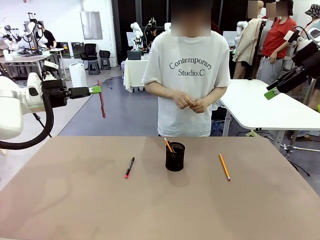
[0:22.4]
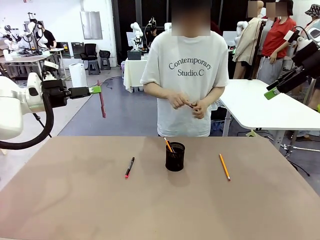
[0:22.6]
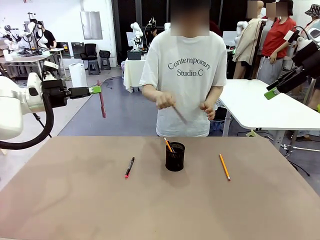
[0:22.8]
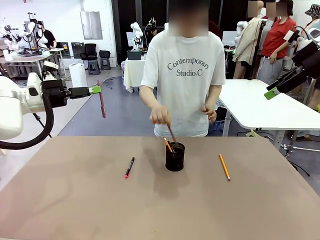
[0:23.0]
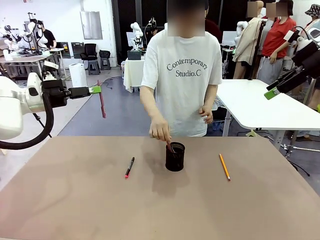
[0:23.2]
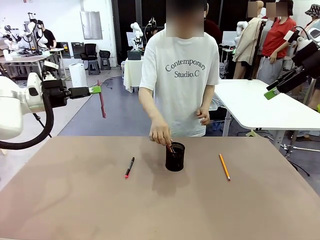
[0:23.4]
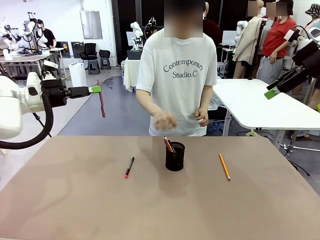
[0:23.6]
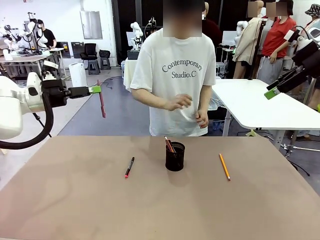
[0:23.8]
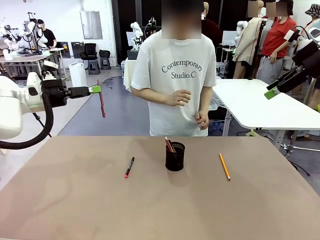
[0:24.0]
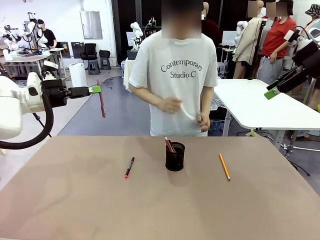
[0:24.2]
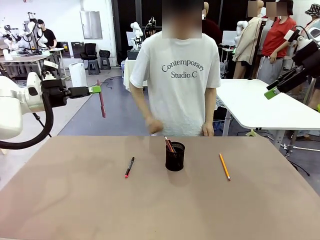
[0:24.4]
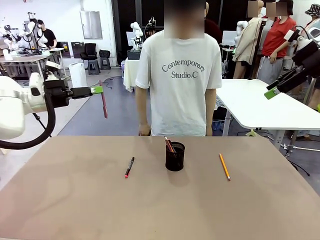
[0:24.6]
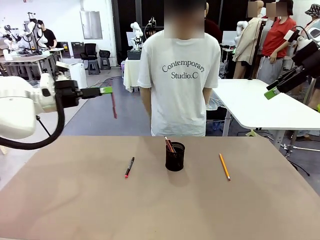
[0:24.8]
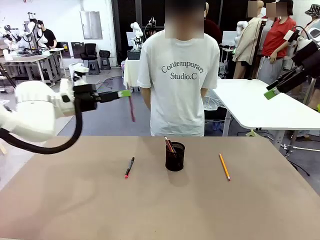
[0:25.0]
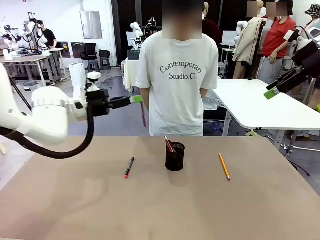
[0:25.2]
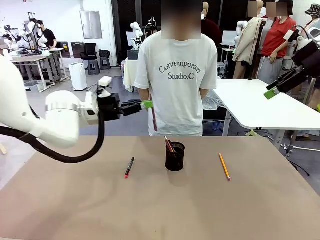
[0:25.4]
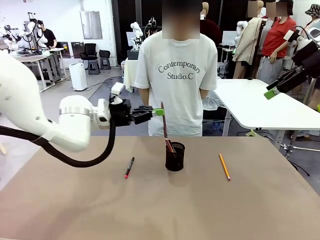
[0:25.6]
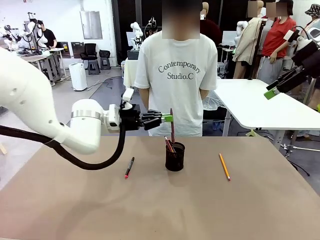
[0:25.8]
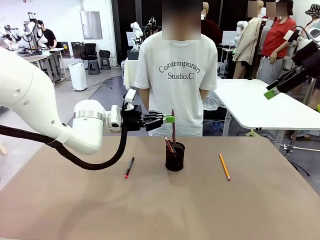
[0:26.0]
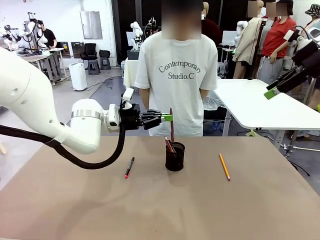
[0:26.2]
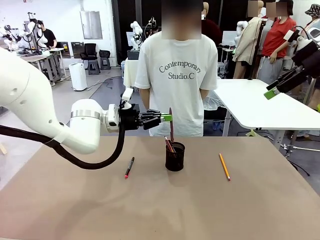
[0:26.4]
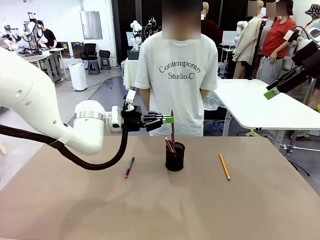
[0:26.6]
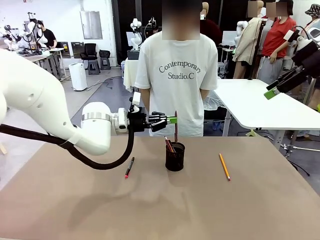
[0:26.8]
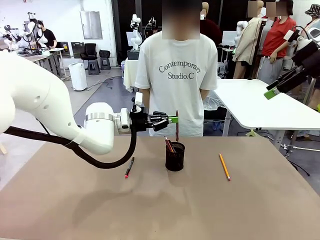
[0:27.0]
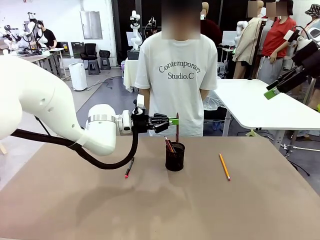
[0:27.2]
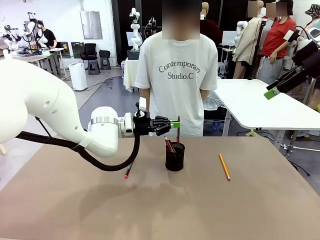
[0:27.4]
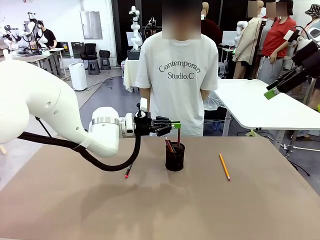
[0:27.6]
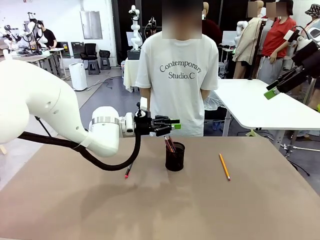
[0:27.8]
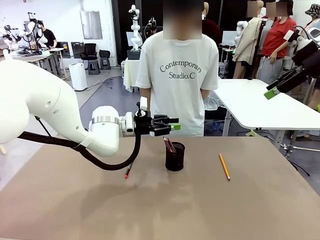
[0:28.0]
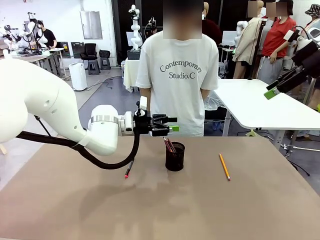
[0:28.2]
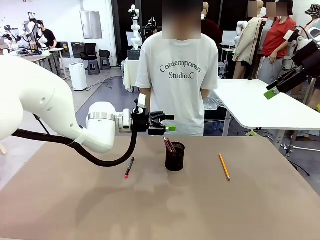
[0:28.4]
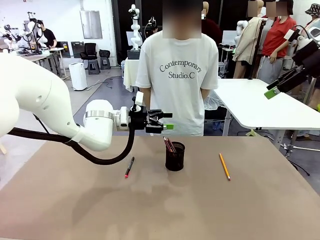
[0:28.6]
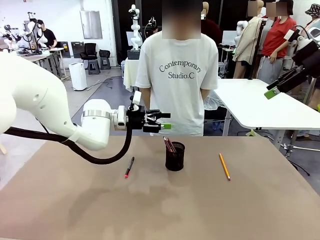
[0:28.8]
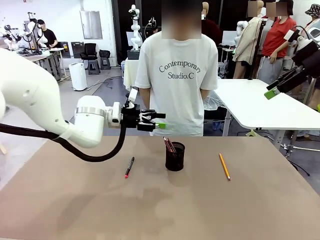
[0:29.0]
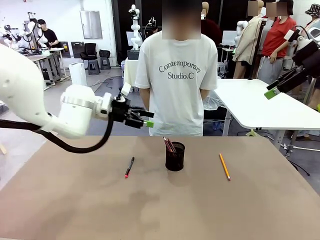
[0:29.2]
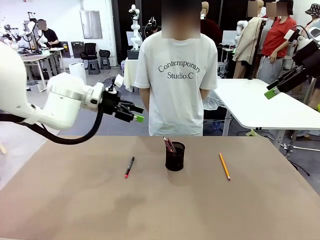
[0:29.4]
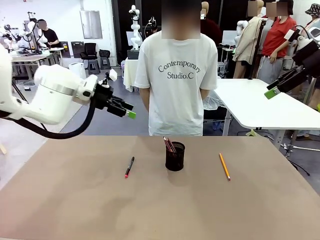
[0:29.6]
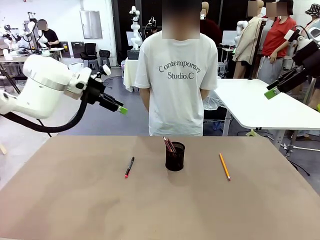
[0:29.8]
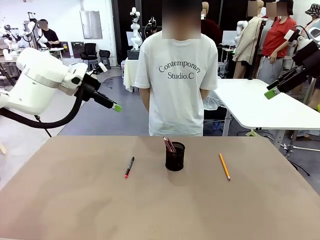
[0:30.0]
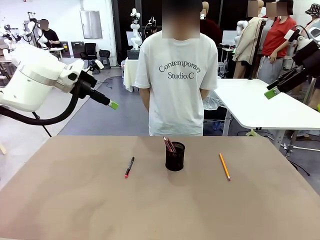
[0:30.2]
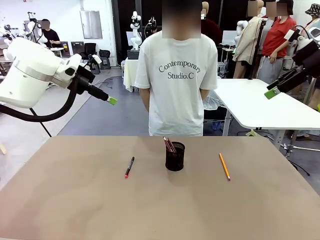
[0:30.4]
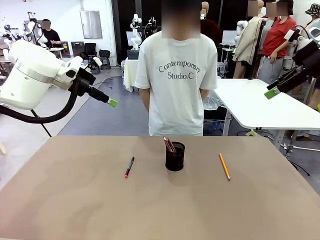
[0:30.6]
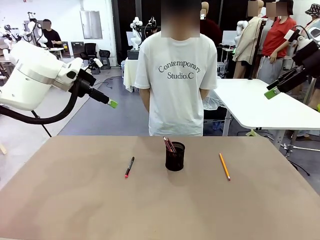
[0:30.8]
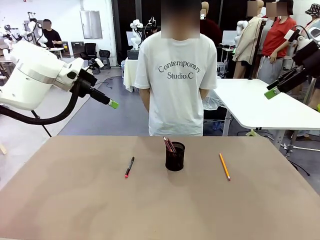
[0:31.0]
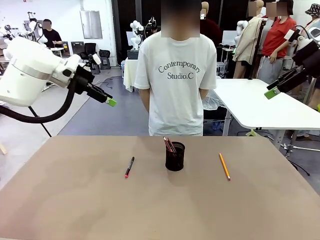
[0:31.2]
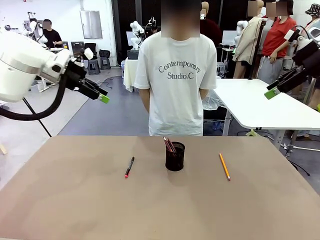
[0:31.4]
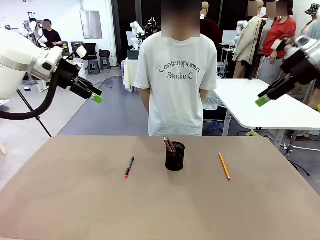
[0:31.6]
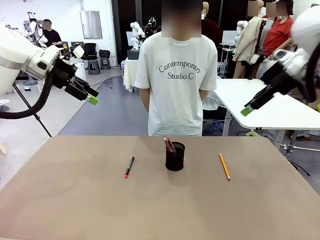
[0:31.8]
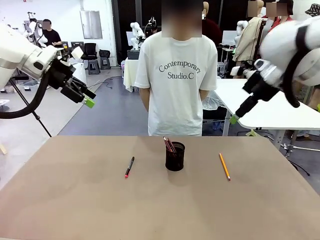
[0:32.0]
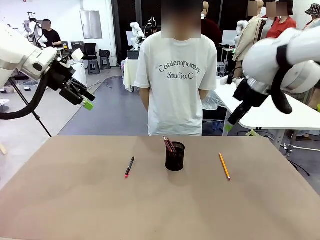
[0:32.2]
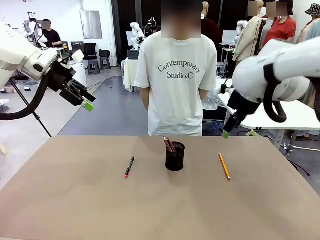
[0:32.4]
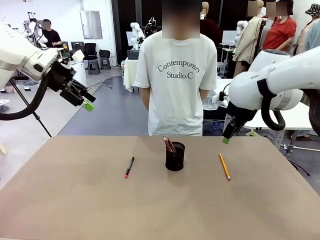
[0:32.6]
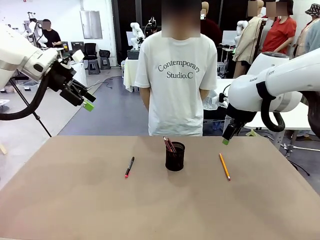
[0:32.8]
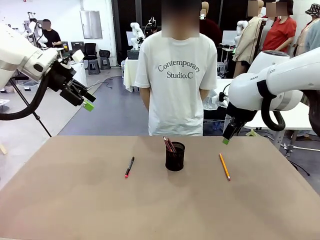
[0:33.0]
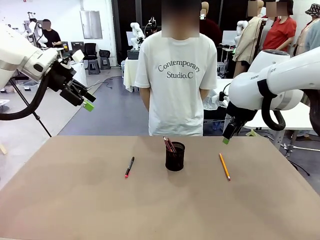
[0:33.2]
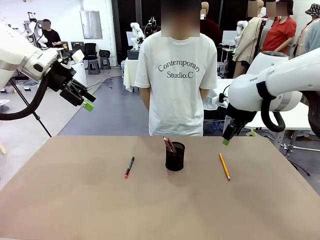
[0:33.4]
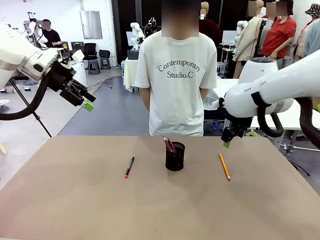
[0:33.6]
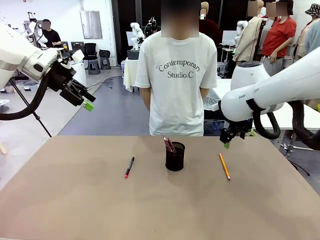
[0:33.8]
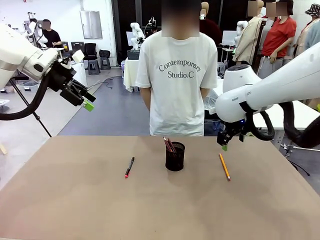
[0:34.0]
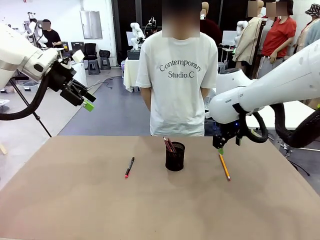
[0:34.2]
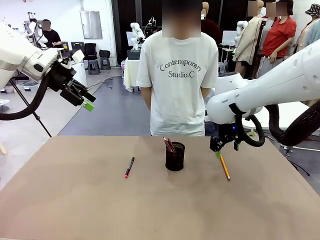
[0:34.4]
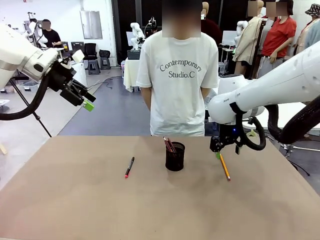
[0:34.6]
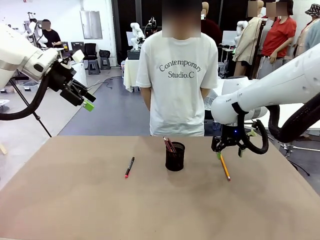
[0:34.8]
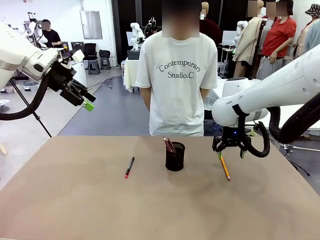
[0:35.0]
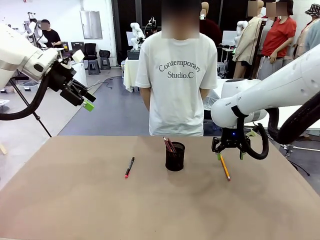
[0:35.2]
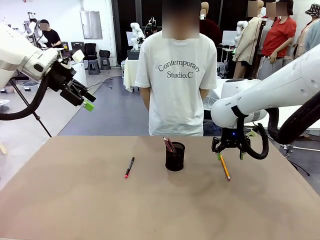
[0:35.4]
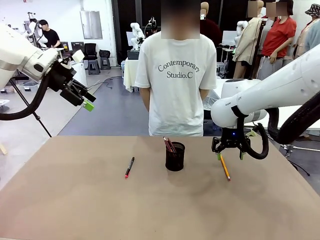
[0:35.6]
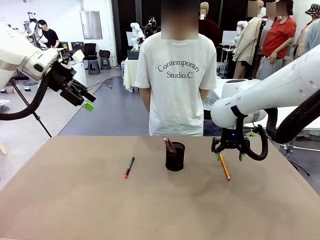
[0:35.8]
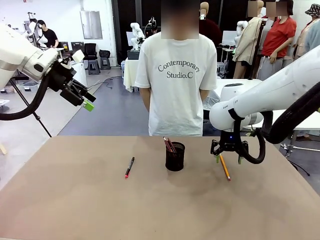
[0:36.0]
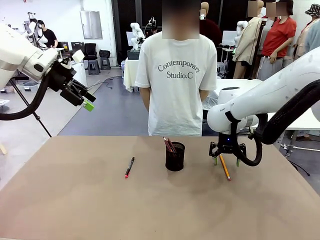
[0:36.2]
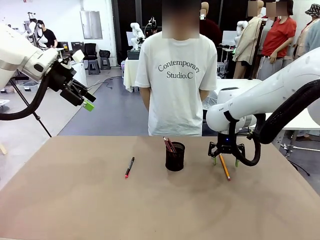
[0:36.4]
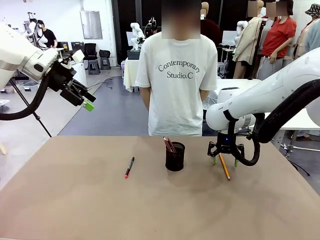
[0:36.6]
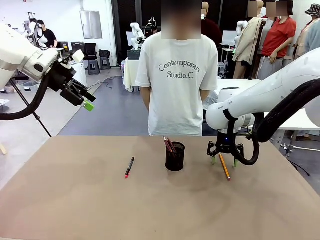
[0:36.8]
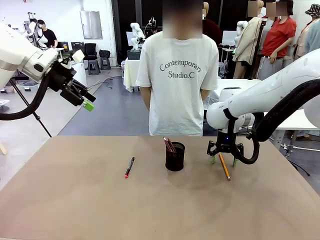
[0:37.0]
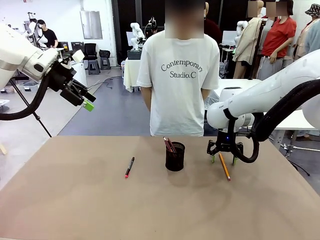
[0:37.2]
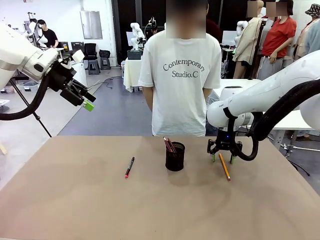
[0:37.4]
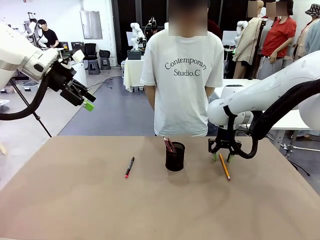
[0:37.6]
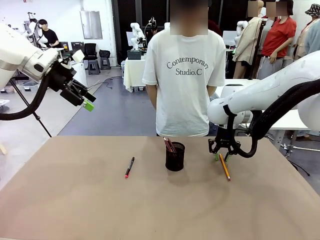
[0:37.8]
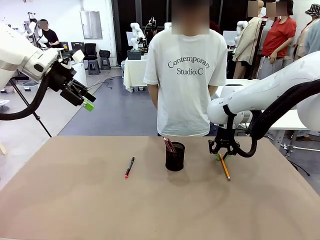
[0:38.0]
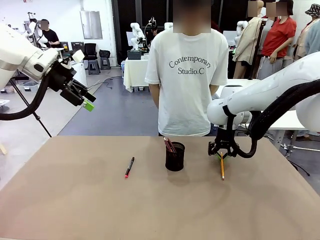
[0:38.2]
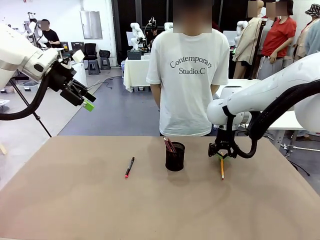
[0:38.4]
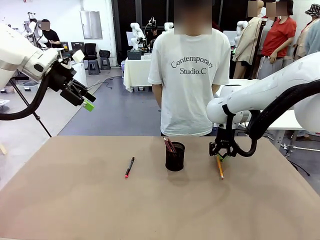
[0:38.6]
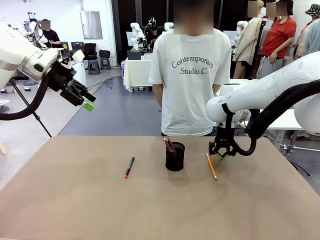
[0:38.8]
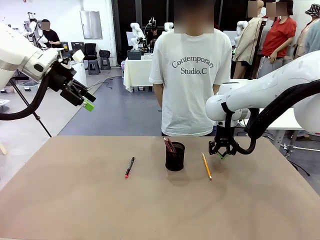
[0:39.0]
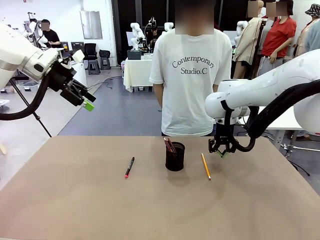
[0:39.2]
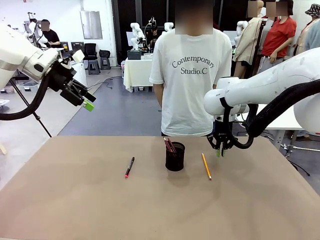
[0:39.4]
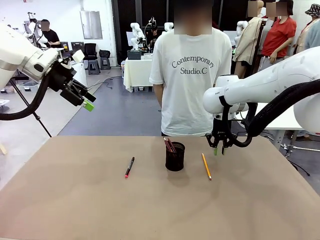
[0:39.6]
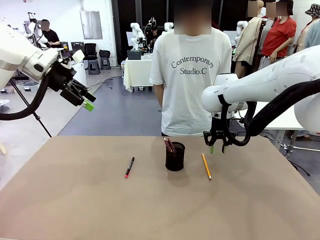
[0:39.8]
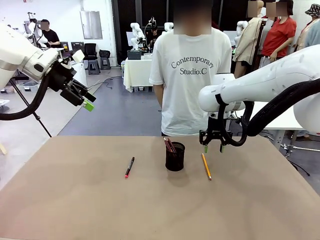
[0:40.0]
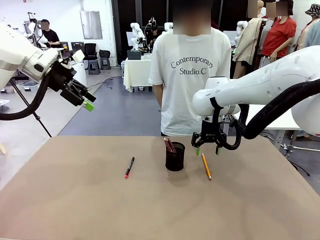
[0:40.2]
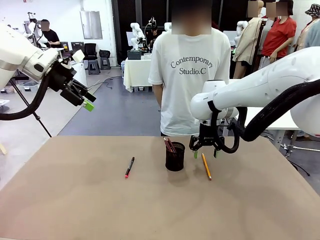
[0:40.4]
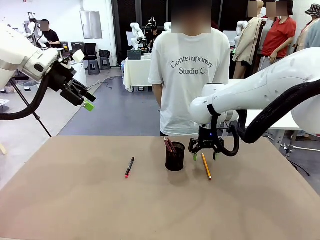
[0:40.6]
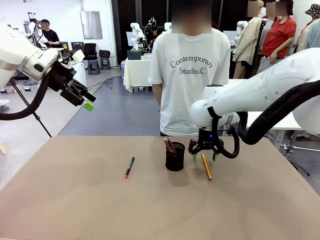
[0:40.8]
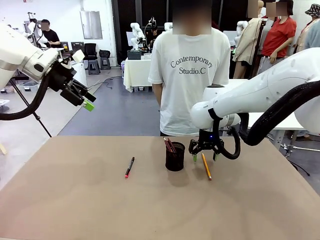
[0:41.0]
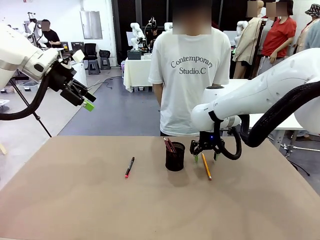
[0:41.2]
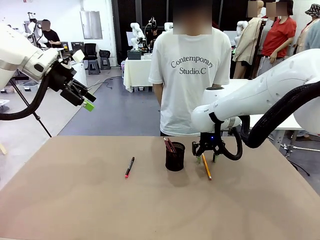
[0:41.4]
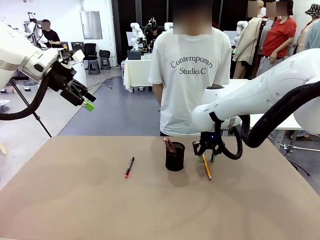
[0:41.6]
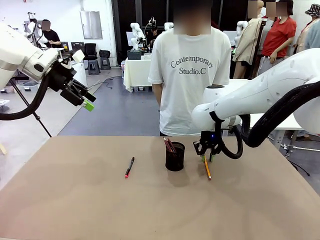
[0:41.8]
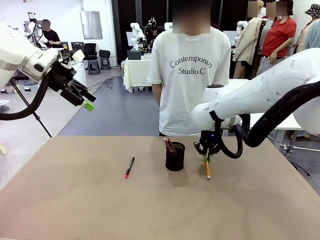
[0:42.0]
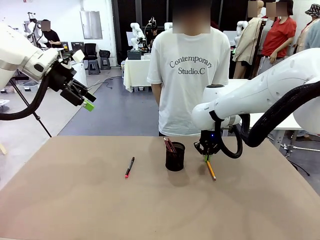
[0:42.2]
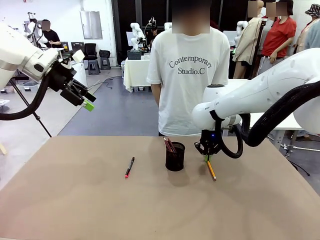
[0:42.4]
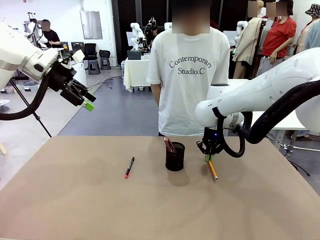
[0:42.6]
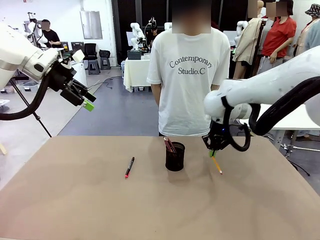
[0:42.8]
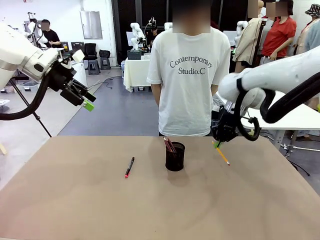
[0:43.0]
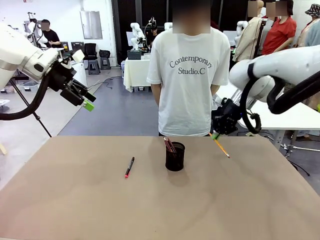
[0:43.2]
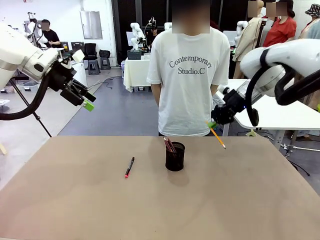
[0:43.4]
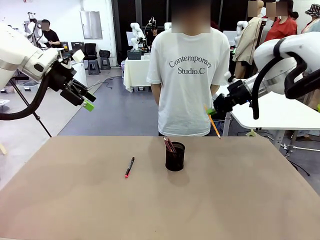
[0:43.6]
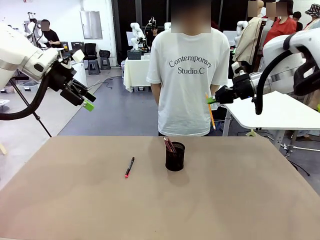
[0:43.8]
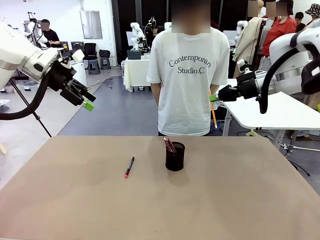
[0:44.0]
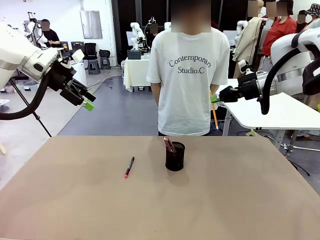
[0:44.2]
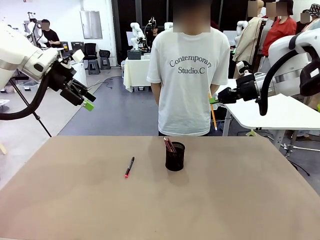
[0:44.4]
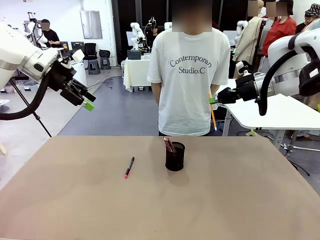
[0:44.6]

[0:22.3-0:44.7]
Task: Place the pens into the pen holder.
Robot: Pick up a writing instrument from the table and place it into the Pen holder.
